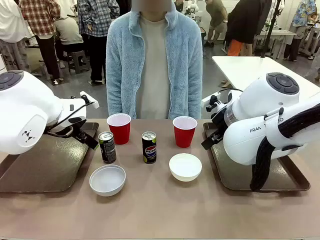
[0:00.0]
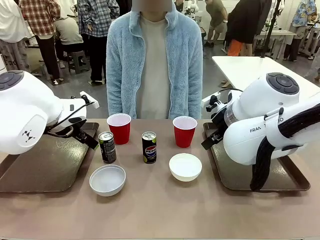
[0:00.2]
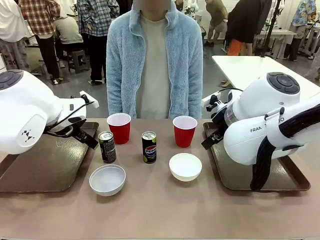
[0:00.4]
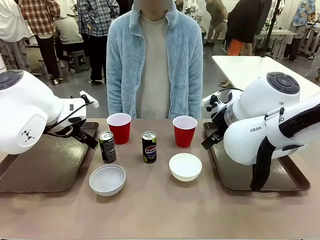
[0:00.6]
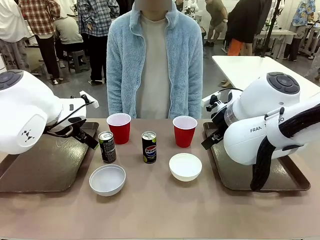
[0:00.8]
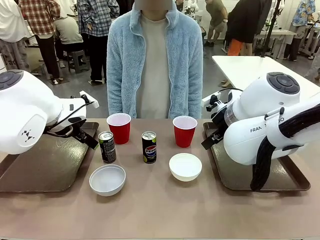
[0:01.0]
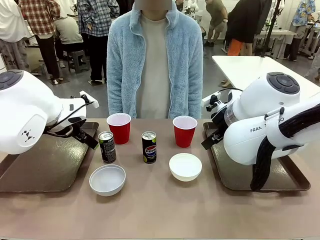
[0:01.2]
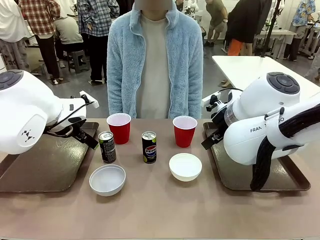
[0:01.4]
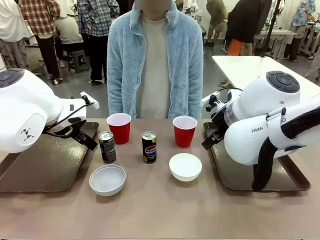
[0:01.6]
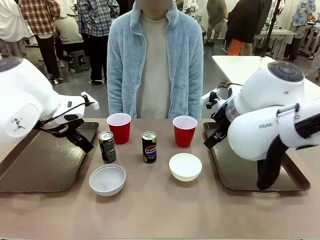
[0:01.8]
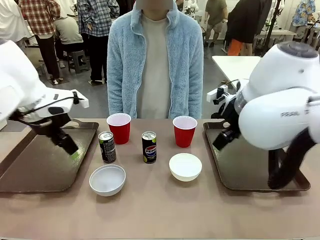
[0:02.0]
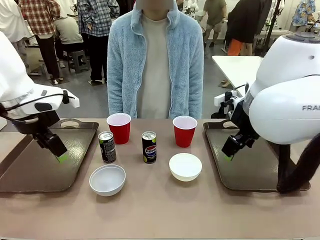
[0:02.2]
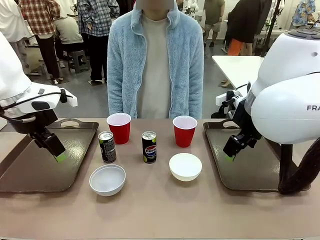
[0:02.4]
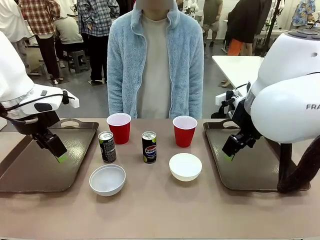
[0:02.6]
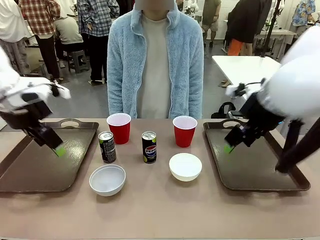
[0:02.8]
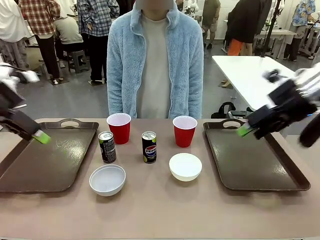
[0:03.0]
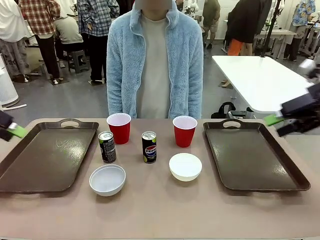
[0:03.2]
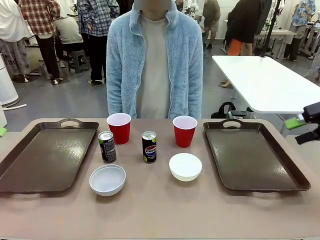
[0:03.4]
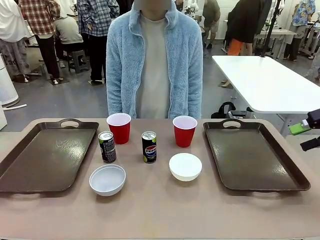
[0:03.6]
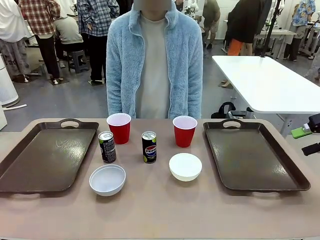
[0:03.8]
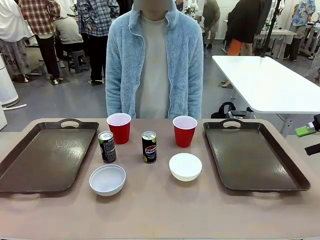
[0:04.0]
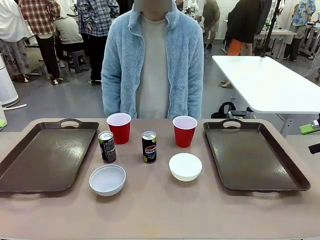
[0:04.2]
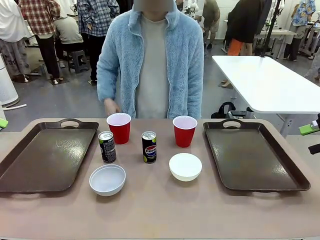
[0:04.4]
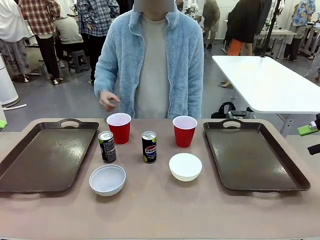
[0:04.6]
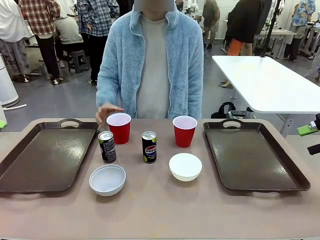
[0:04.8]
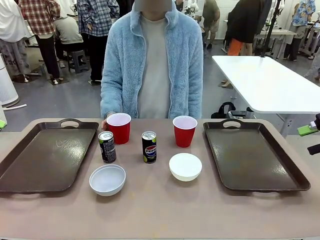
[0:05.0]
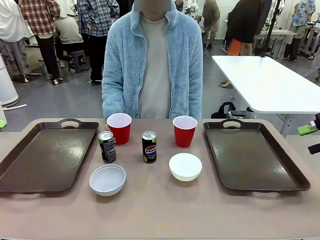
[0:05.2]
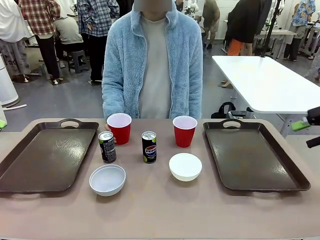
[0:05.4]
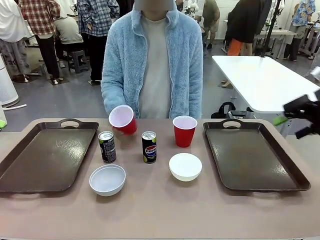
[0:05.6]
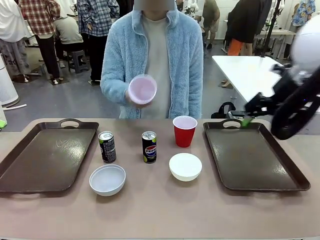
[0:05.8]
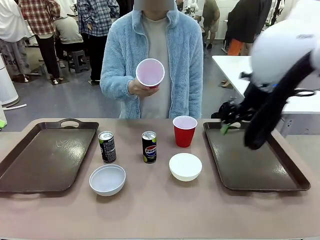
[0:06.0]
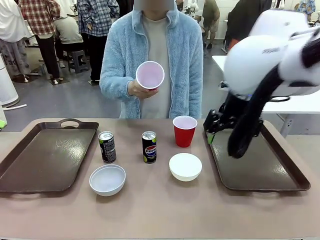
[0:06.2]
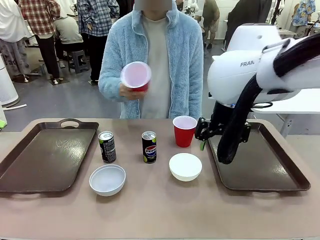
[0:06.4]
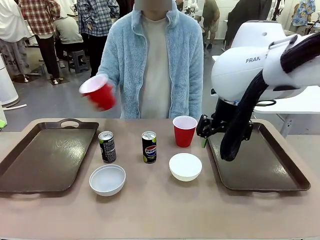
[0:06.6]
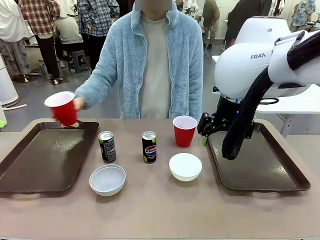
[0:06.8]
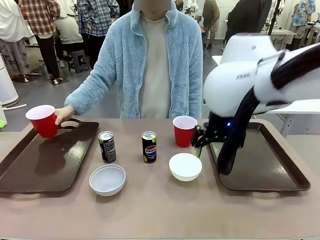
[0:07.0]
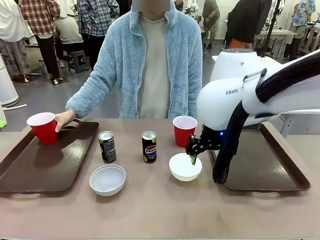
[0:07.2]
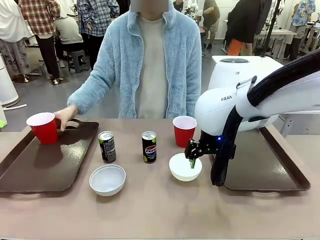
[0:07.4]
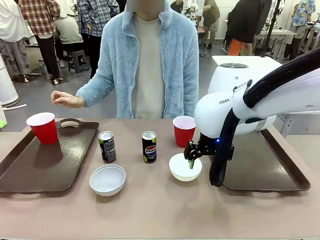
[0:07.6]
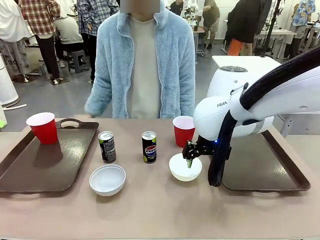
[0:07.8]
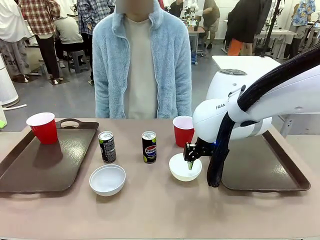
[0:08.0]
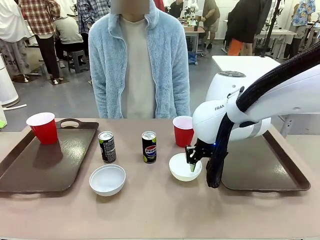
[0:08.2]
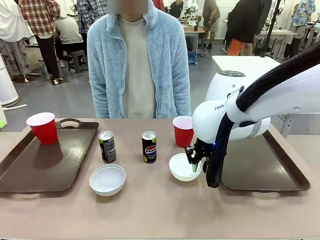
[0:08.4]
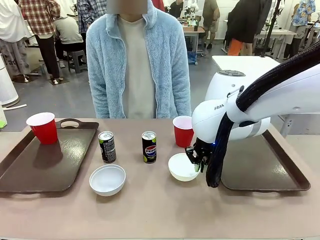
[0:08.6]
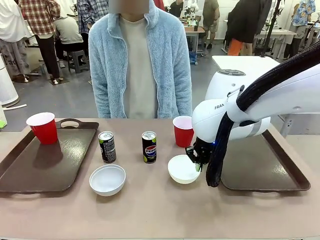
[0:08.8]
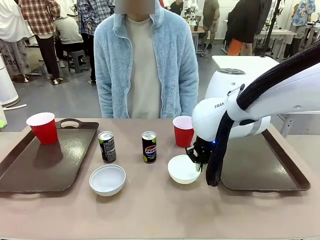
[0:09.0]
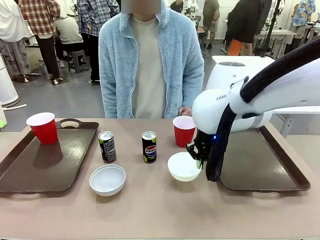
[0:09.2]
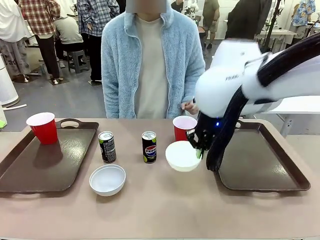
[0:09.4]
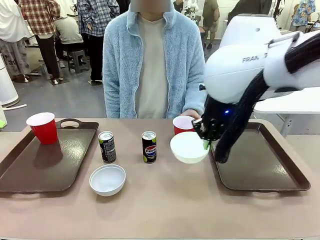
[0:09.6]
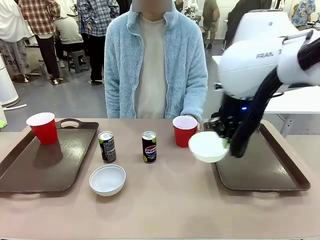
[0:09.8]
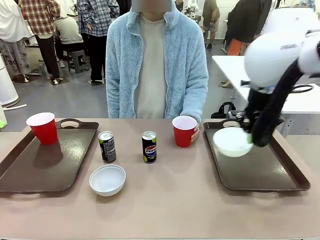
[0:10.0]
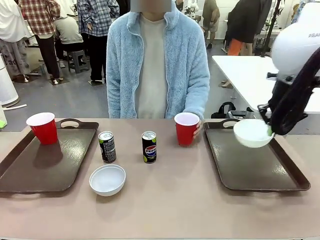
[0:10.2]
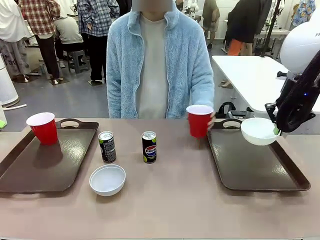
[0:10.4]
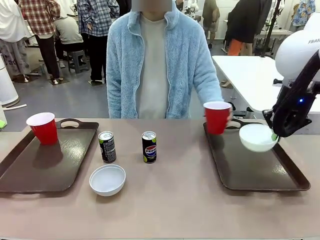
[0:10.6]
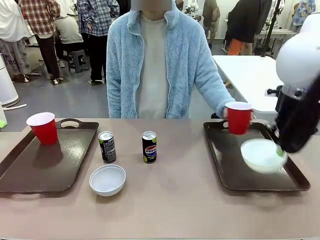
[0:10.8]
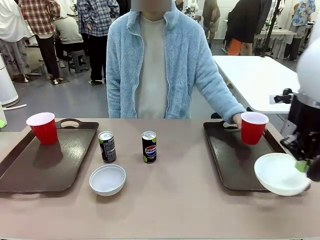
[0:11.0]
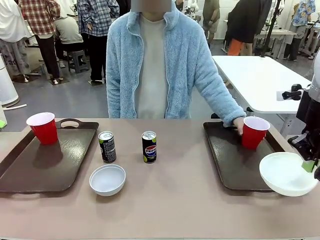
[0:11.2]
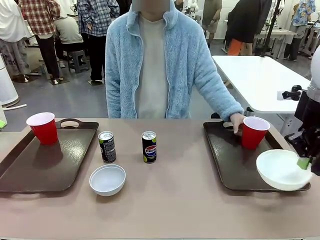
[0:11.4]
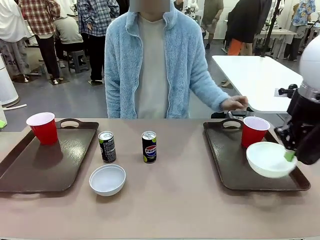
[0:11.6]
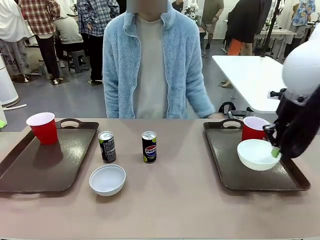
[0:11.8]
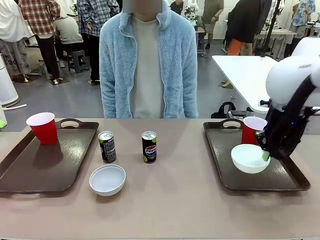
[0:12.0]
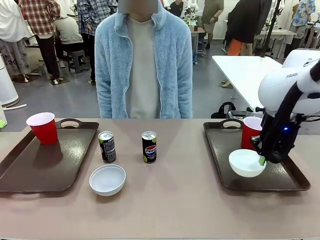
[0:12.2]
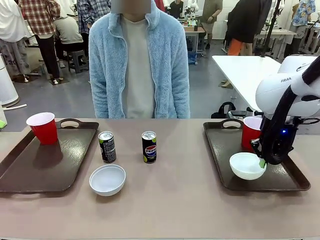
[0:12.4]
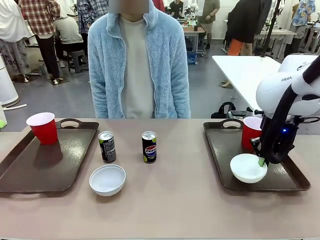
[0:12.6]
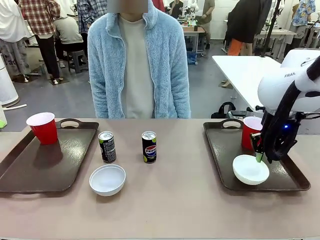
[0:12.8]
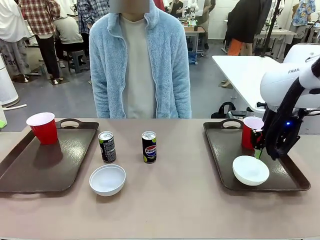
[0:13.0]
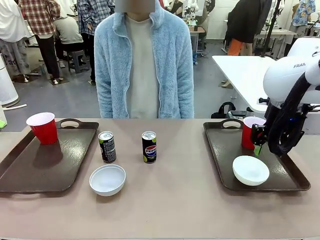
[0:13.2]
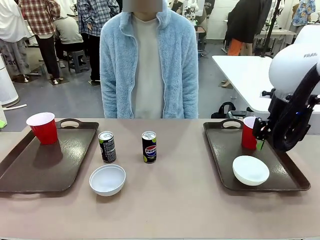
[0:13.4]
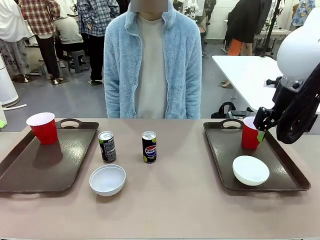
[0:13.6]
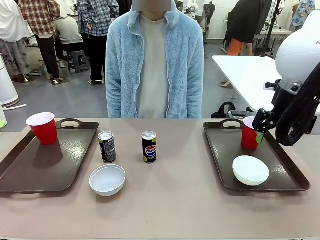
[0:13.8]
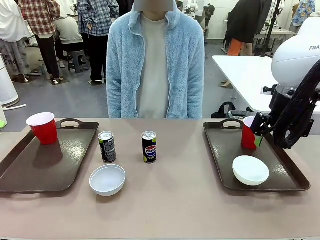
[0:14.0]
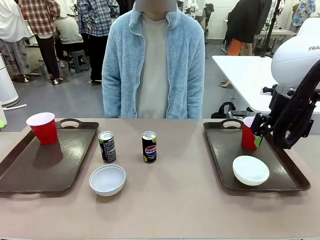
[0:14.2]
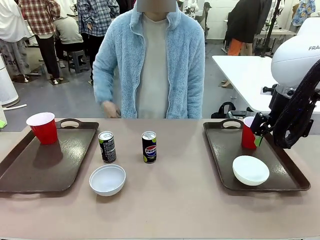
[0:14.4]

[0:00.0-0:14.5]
Task: Prepare tableware on both trays.
Robot: Pick up a Picnic Bowl from the table and place it on a Handle tray.
Person: Pick up a can or cup and place it on the tray.
